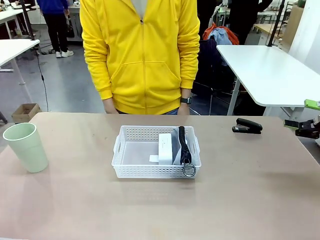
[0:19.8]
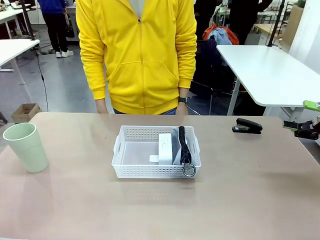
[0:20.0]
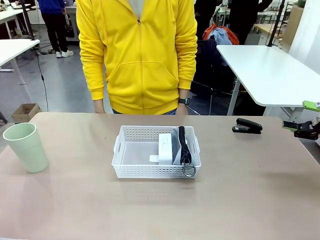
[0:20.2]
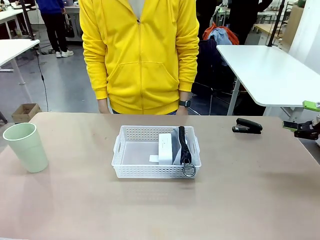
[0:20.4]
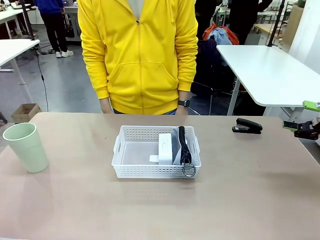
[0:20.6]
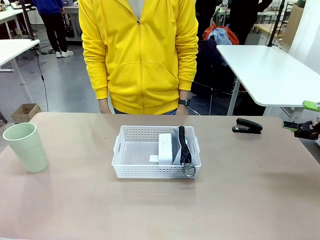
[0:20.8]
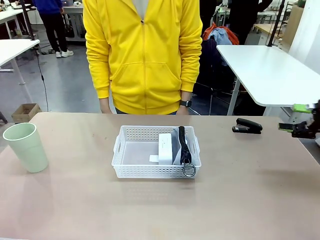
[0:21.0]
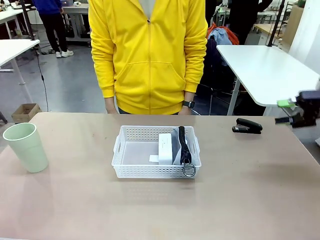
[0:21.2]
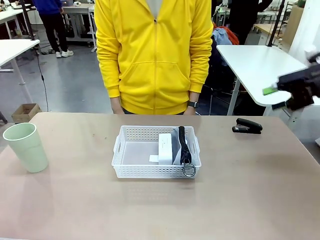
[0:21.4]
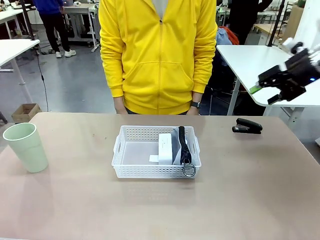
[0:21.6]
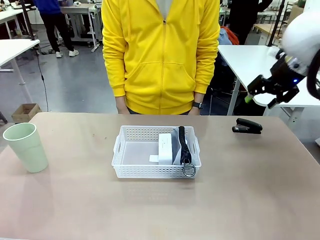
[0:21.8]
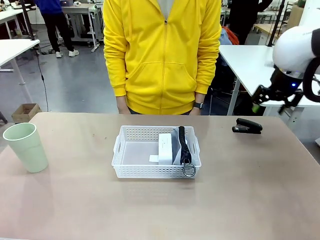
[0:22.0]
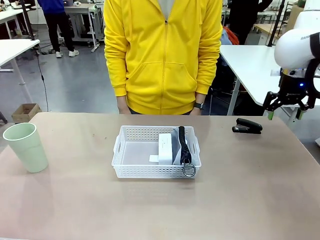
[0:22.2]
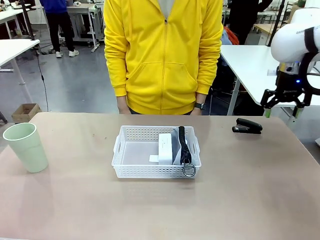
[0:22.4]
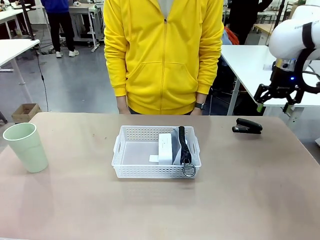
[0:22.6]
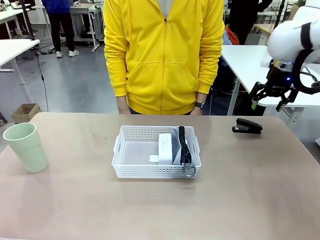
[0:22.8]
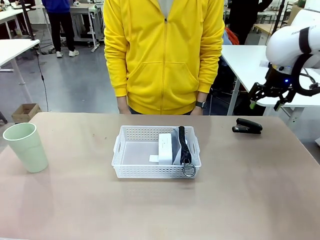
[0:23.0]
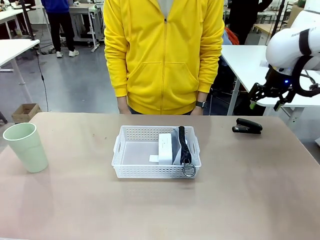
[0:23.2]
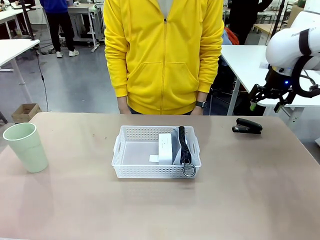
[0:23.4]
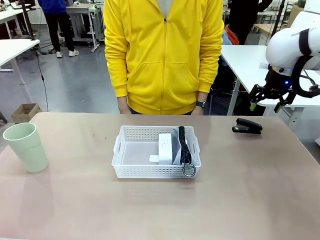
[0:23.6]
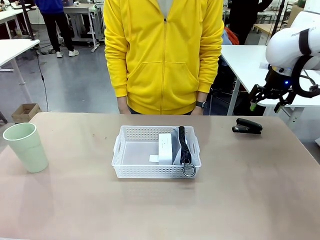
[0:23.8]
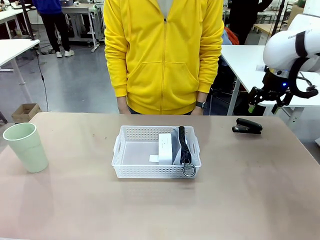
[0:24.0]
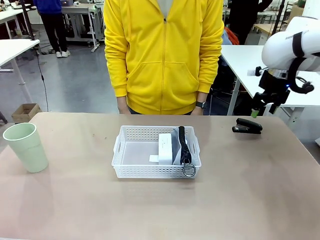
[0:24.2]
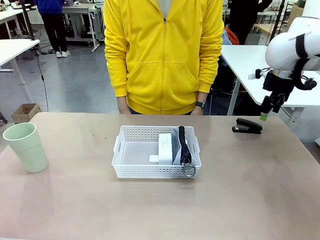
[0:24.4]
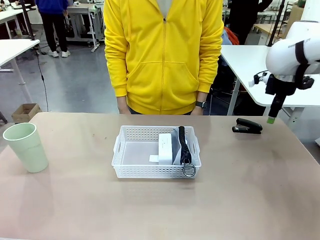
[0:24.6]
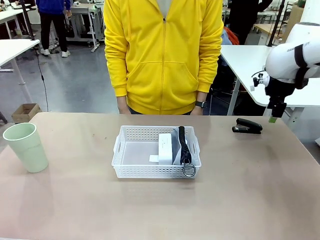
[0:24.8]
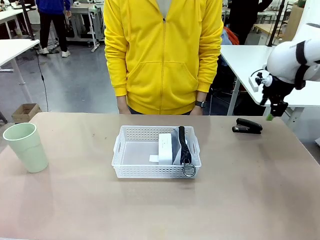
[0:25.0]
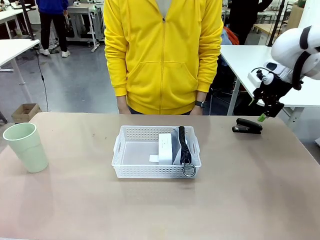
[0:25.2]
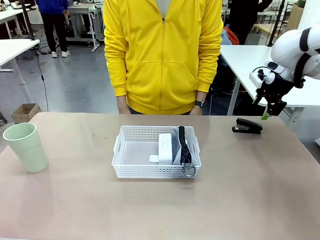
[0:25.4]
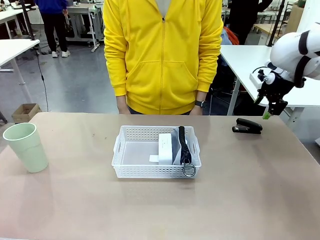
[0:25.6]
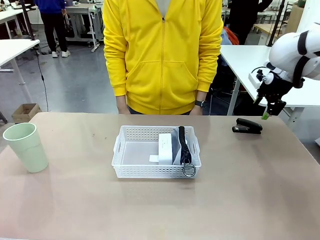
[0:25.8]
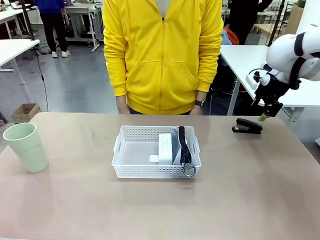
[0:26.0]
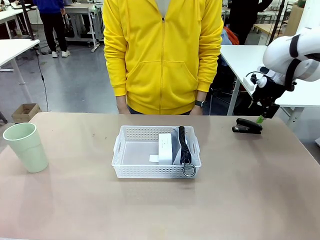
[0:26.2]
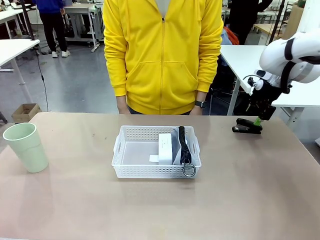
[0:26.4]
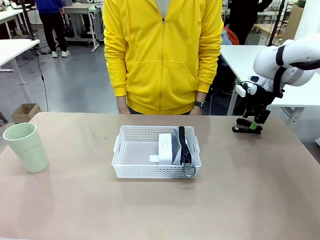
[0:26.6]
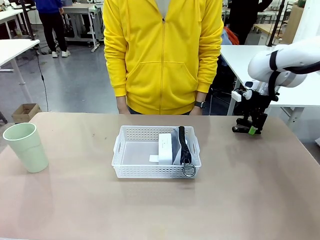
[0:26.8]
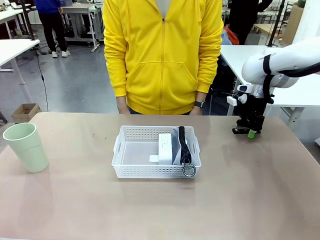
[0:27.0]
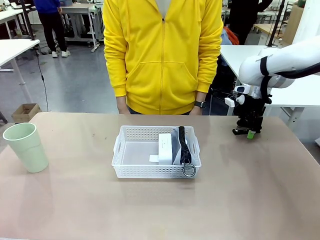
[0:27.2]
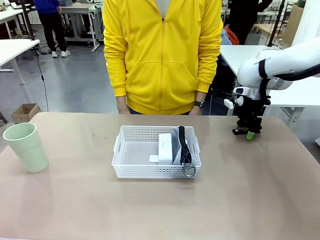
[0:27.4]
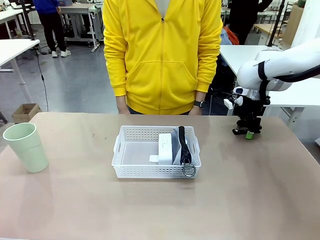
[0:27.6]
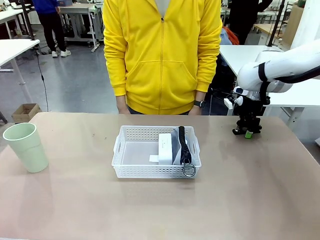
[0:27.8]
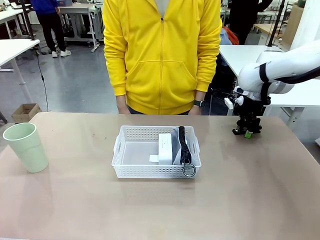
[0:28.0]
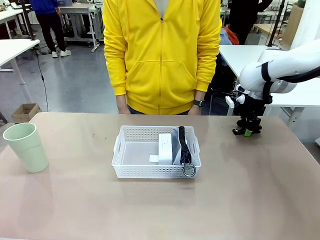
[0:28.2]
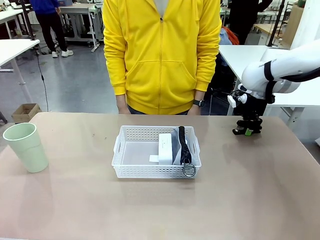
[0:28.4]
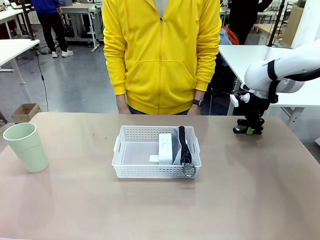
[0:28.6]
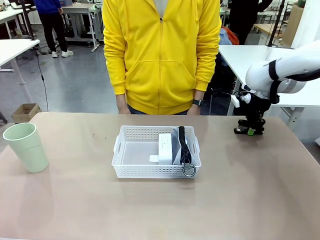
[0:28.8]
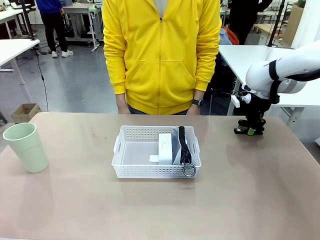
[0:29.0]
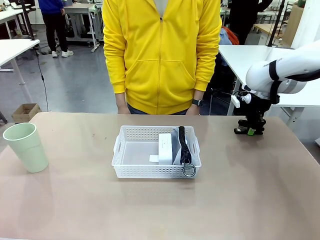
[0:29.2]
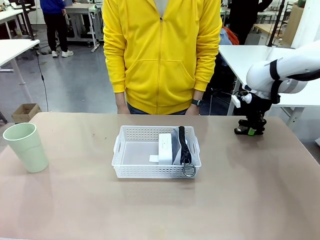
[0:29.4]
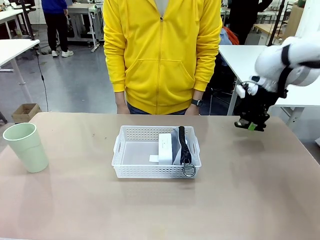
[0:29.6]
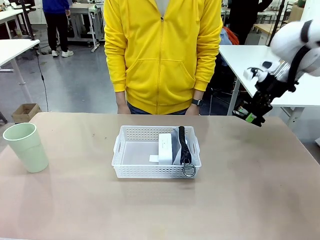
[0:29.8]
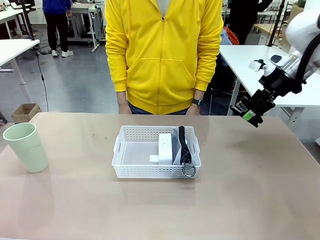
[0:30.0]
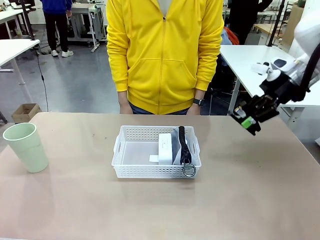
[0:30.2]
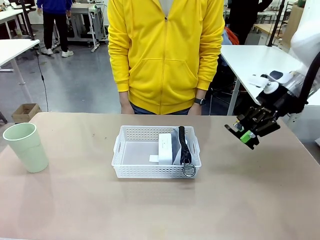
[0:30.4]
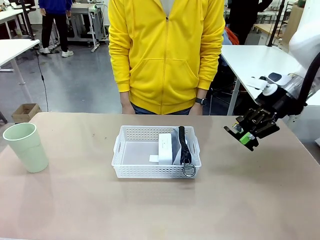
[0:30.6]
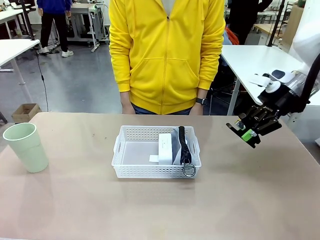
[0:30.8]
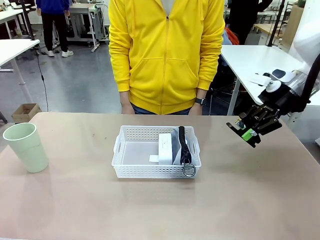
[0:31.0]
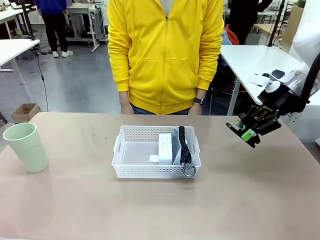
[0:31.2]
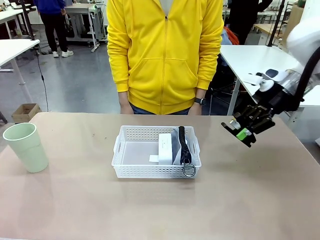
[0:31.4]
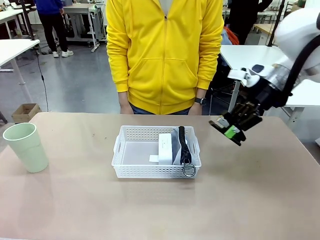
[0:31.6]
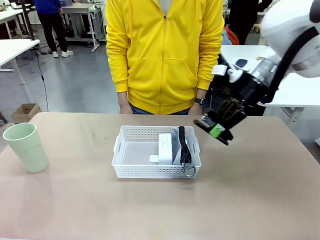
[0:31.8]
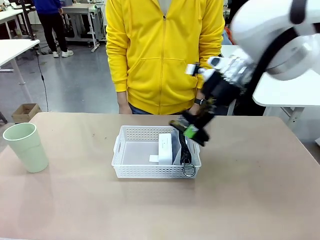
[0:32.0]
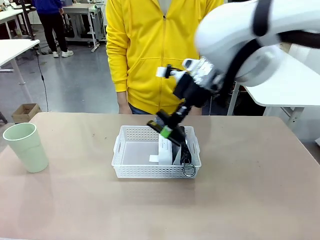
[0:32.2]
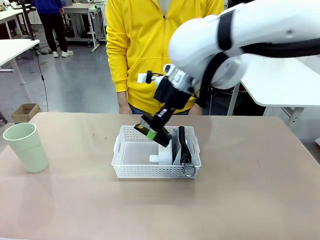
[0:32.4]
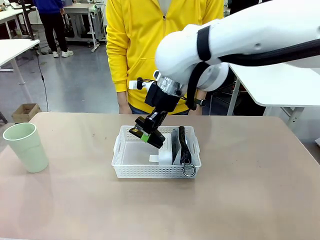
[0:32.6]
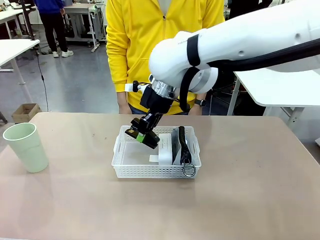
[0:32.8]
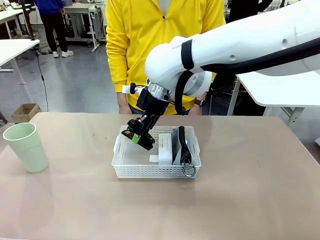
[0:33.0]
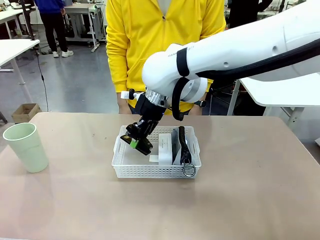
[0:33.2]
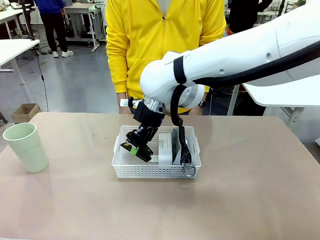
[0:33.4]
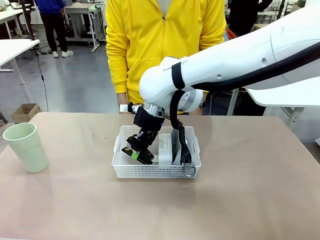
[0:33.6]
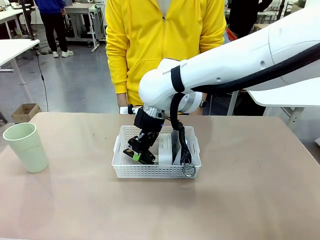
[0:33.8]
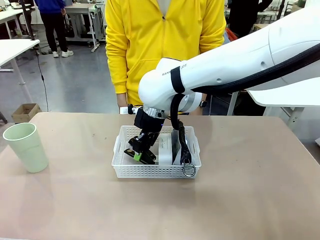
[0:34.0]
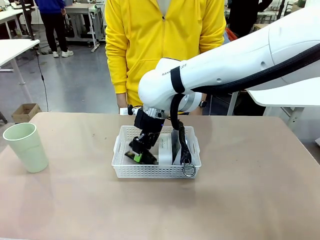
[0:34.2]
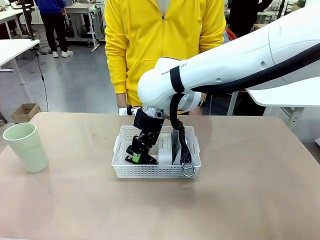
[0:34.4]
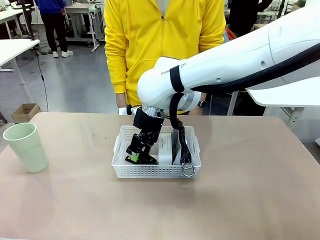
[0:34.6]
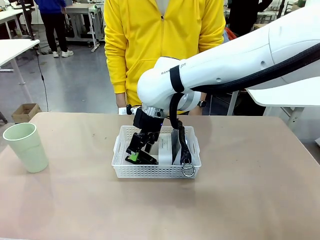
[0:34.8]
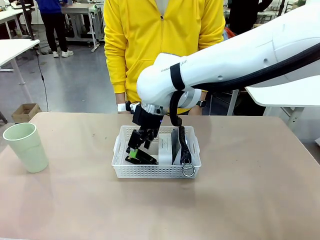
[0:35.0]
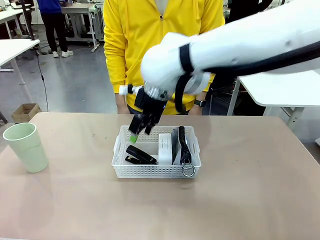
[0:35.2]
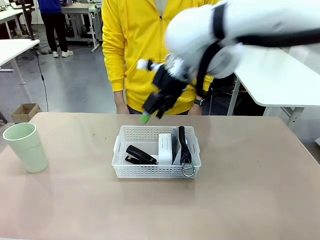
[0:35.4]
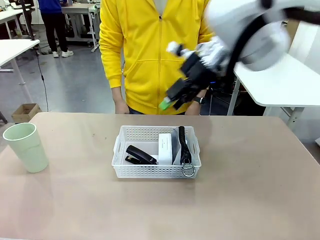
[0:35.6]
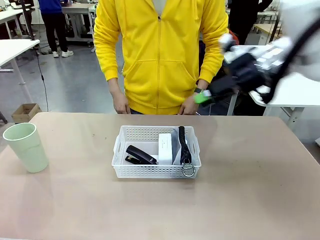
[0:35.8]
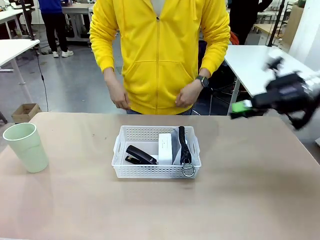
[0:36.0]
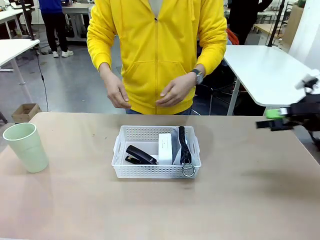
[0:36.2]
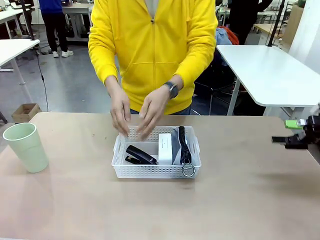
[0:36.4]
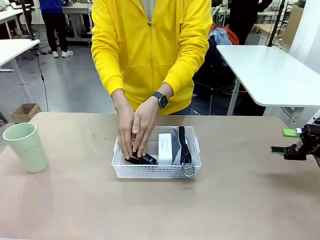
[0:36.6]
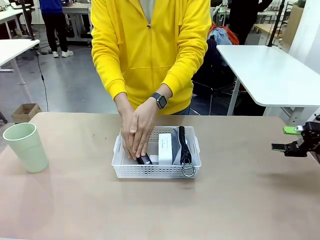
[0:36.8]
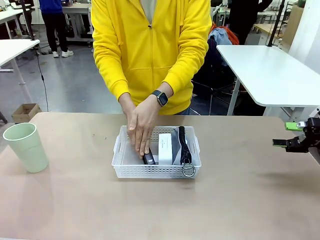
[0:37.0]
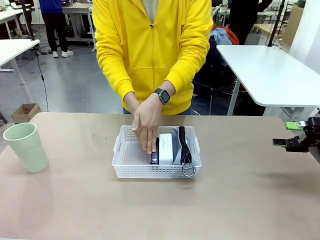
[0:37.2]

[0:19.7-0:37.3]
Task: Efficiently arrange items inside the basket to fit them all.
Robot: Pick up the Stapler and place it inside the Organizing basket.
